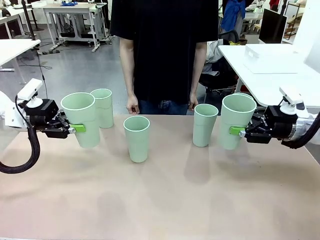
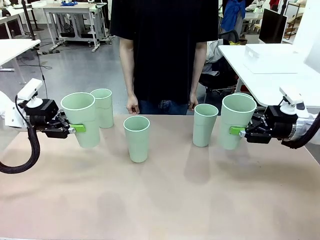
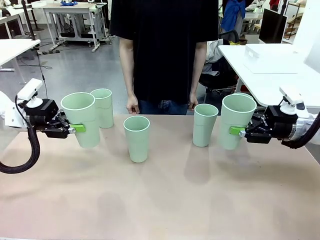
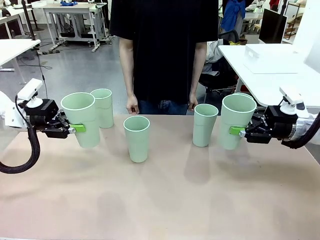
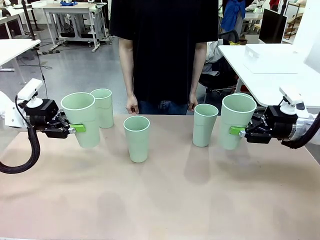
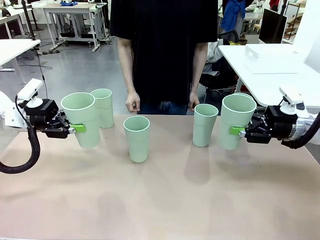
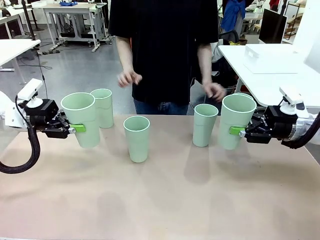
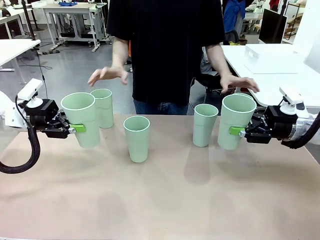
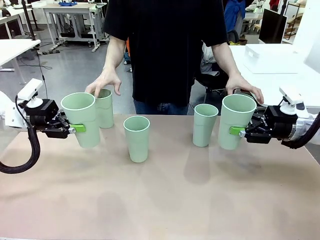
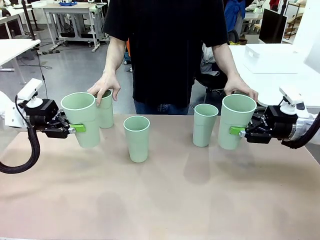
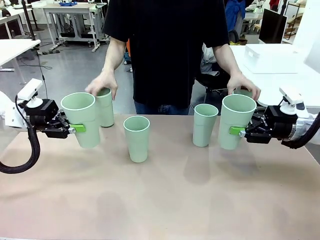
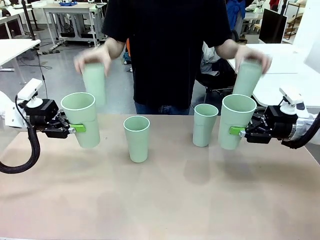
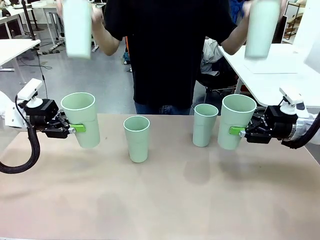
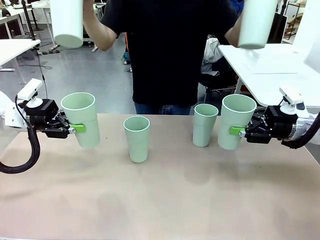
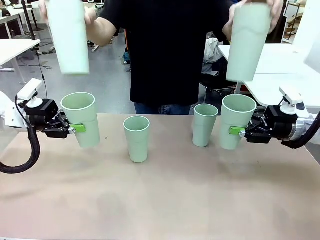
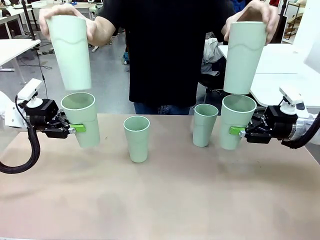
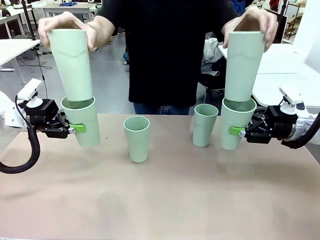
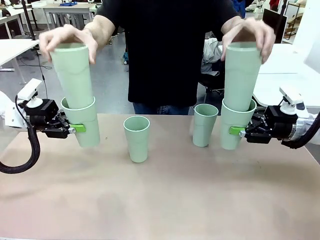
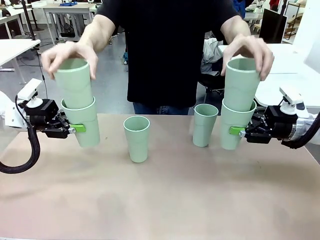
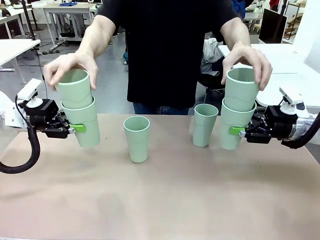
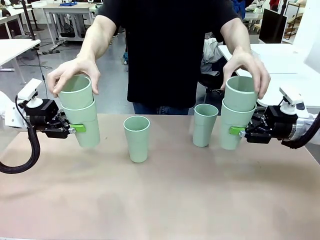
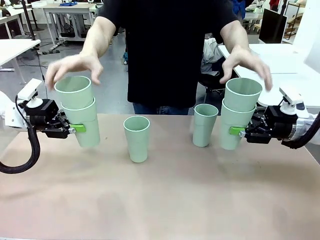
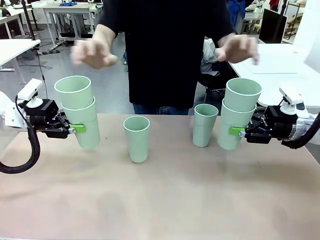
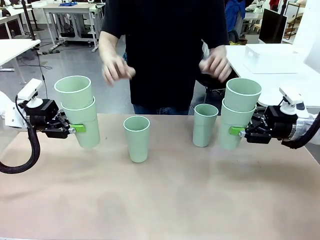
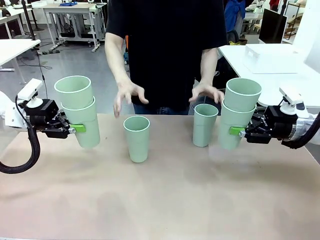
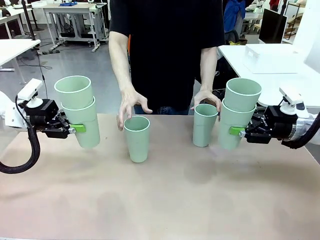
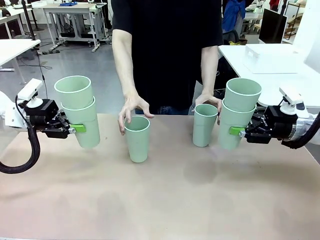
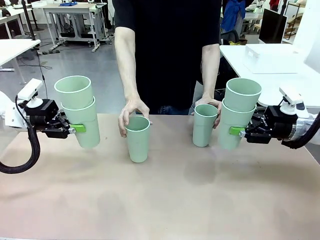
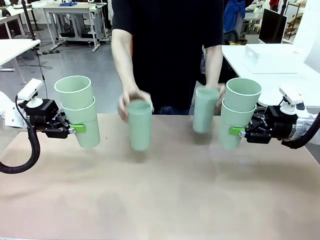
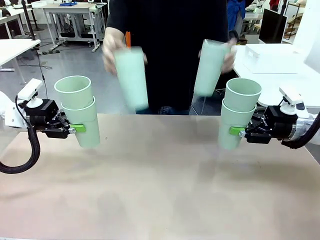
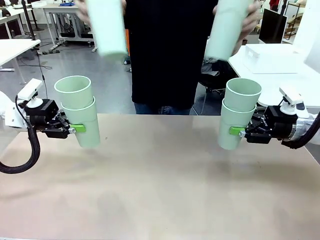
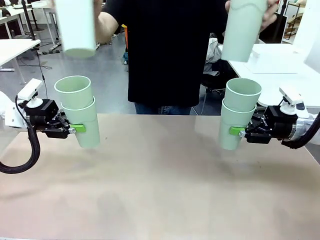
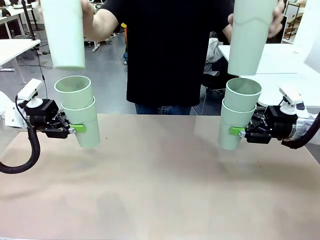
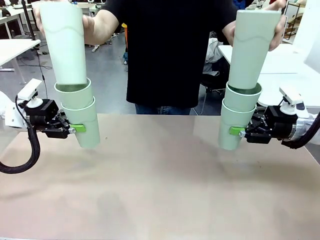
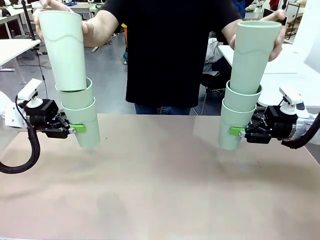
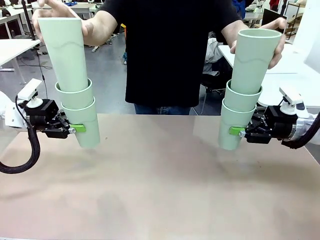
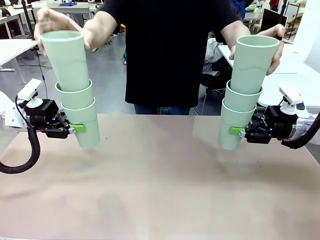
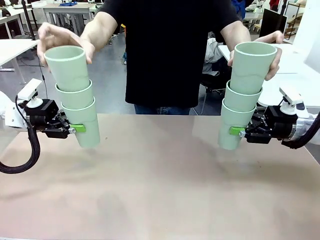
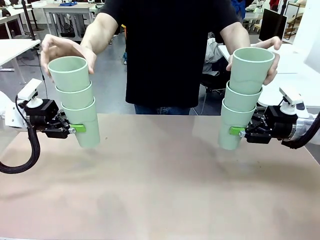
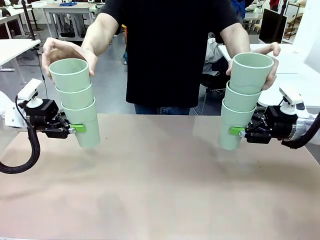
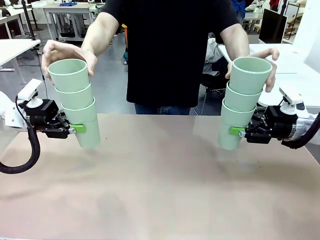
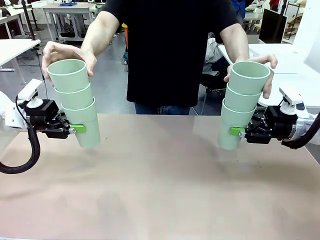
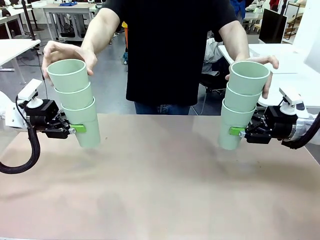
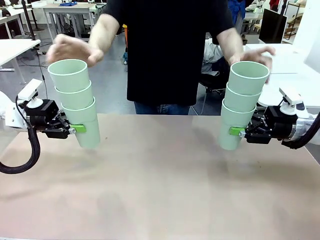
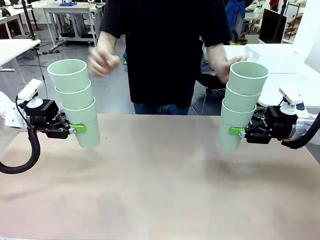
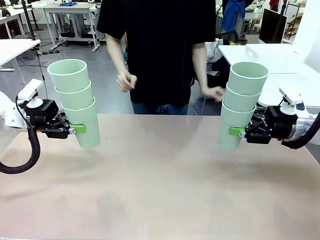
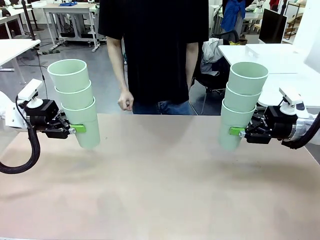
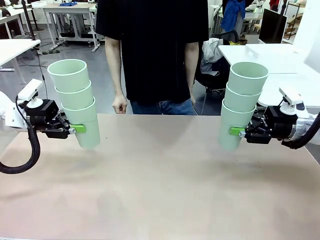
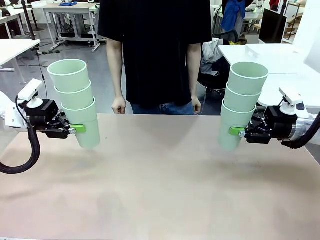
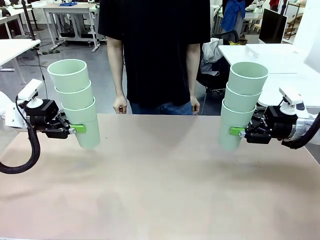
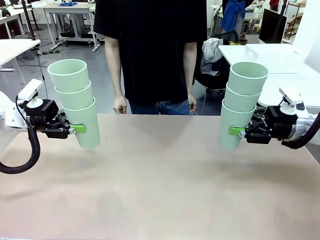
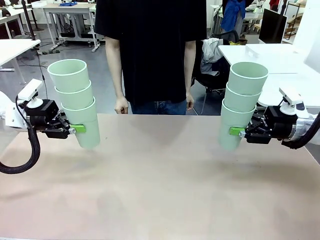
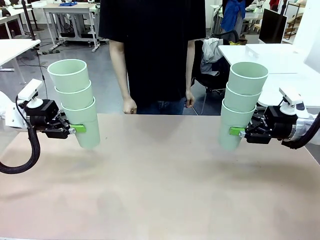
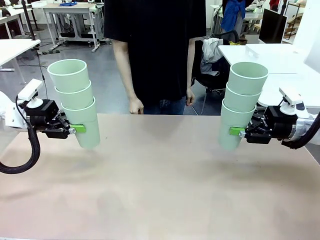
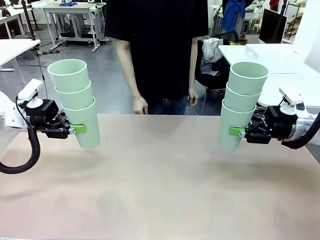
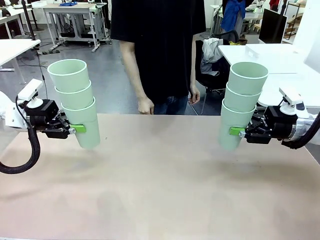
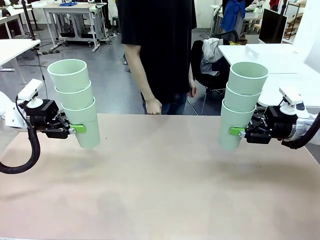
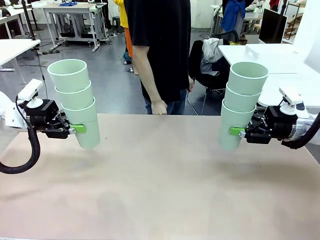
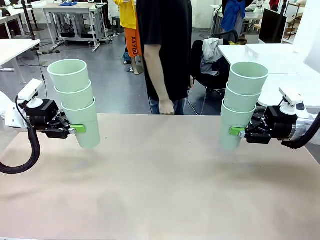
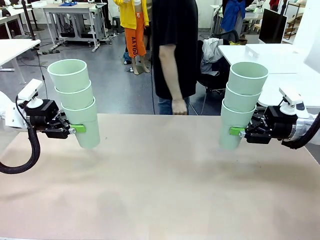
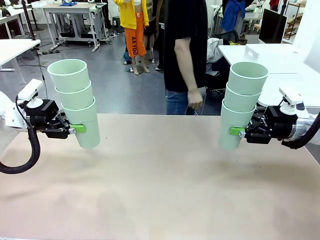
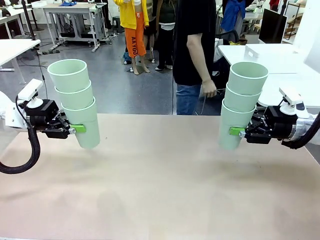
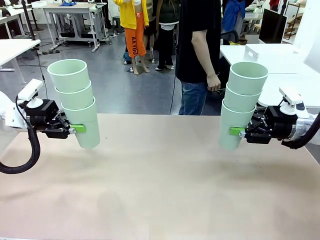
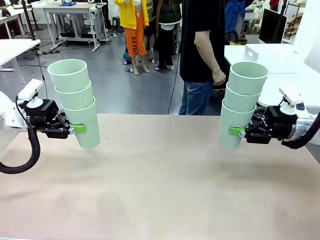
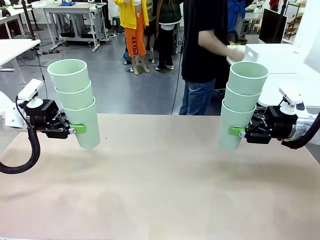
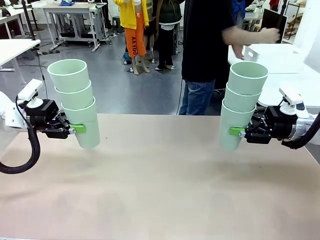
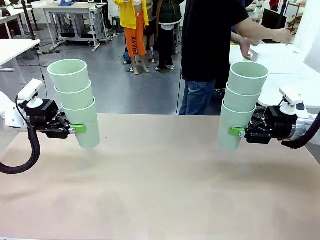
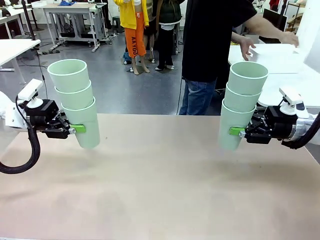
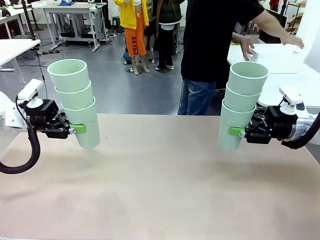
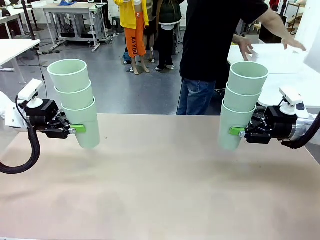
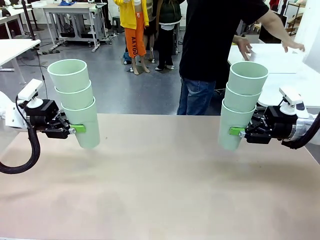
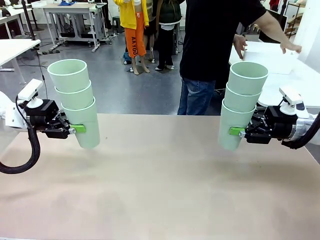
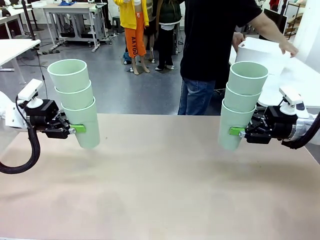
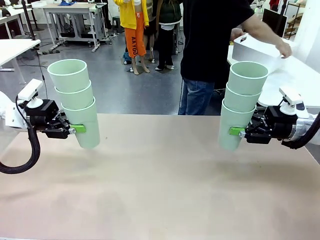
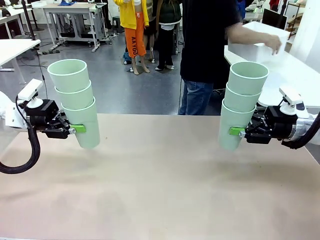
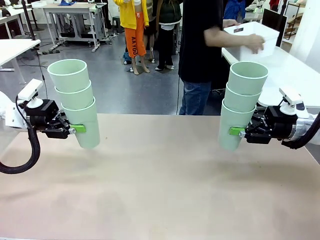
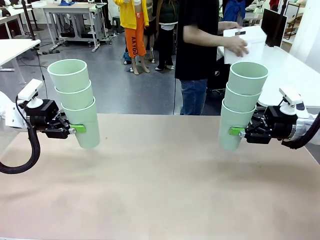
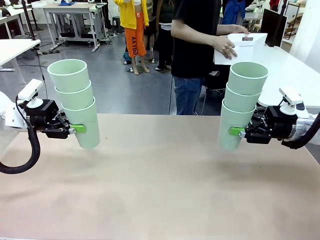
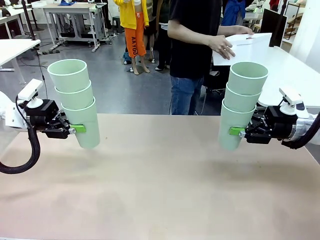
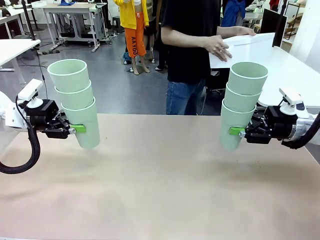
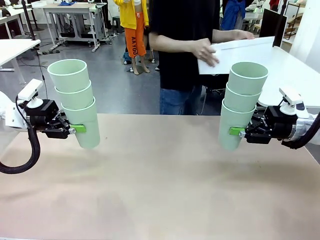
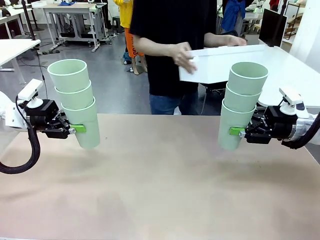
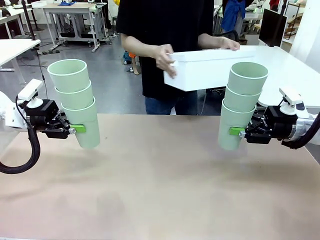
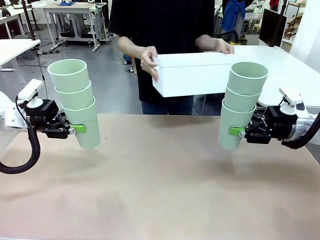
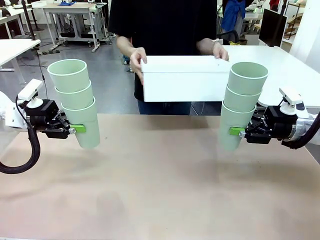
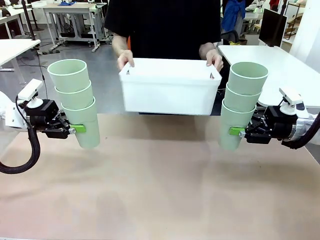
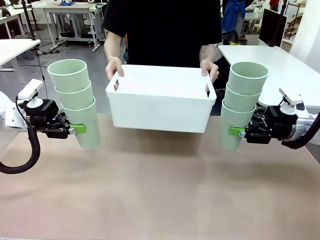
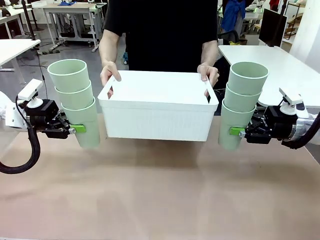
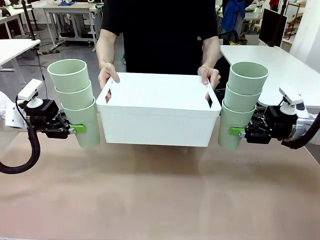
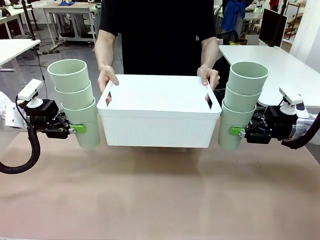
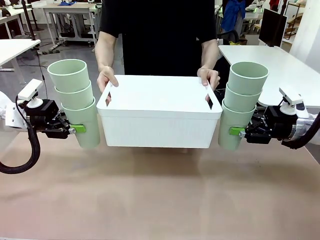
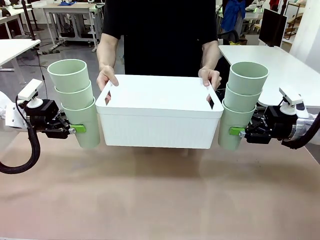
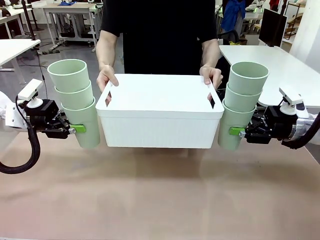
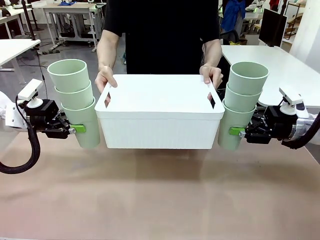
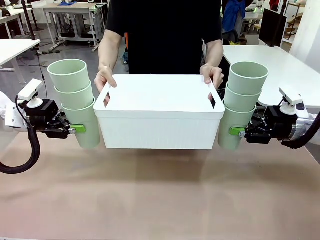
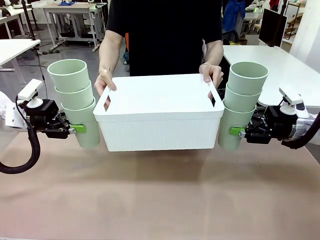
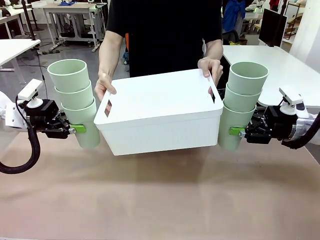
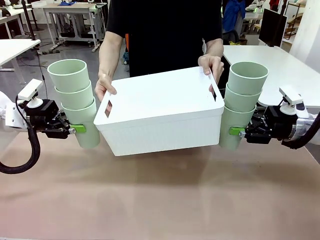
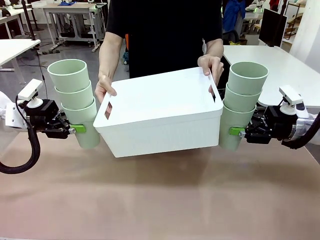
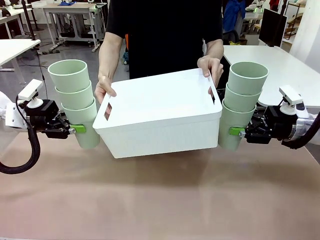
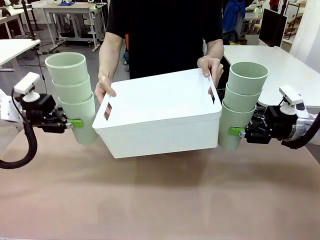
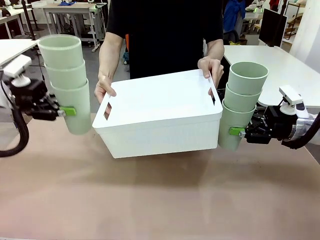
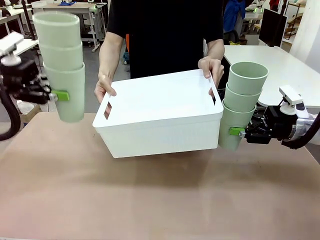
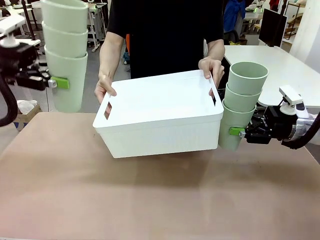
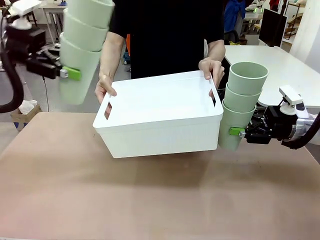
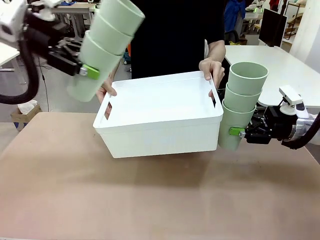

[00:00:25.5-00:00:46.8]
Task: Stack the cups and store them in the basket.
Robot: Place the stack of Reusable plastic cups into the Pantry Basket.
Person: Pick up the basket from the Human Table, bring it to the front of the robot, and present it.
